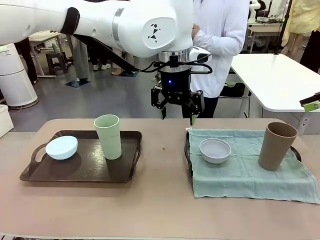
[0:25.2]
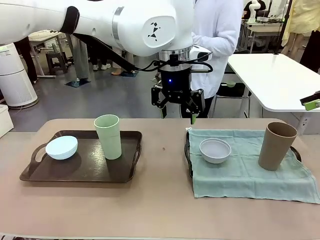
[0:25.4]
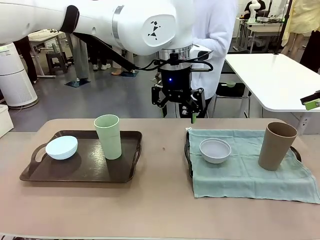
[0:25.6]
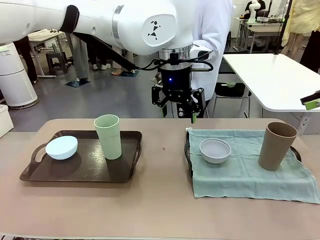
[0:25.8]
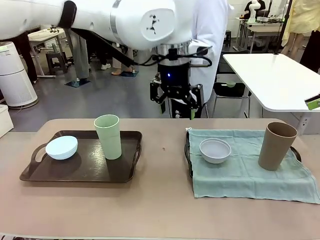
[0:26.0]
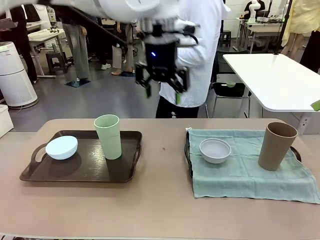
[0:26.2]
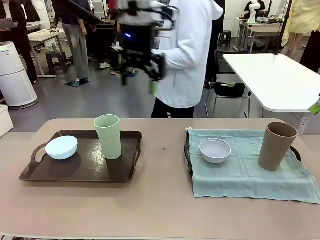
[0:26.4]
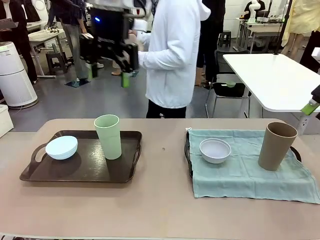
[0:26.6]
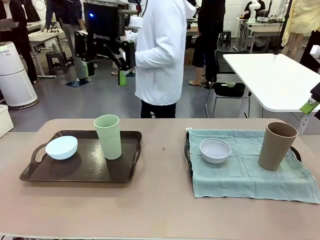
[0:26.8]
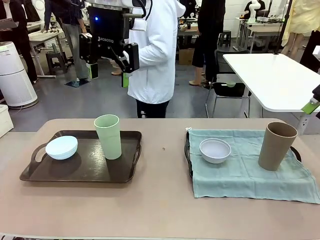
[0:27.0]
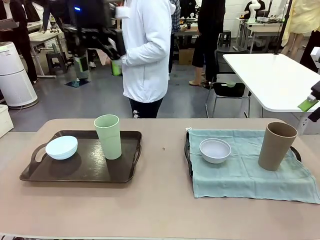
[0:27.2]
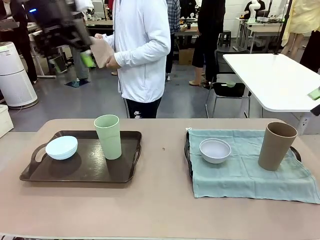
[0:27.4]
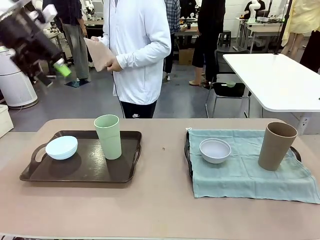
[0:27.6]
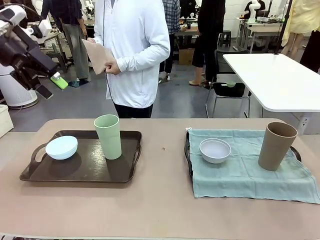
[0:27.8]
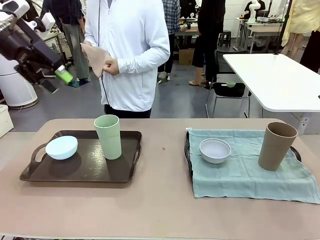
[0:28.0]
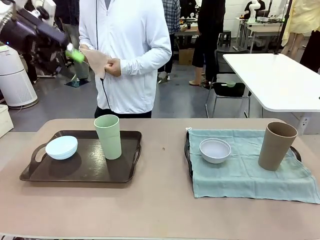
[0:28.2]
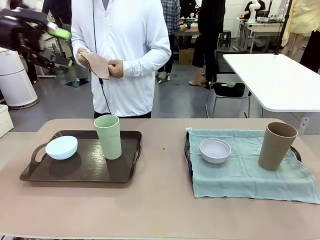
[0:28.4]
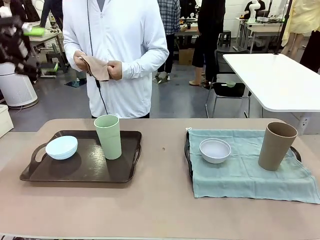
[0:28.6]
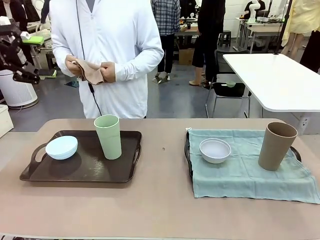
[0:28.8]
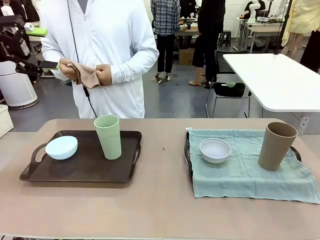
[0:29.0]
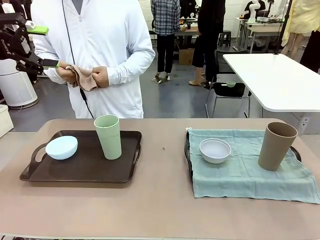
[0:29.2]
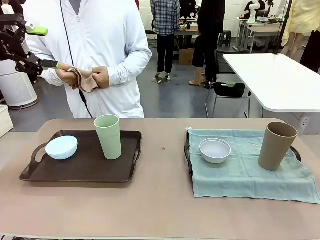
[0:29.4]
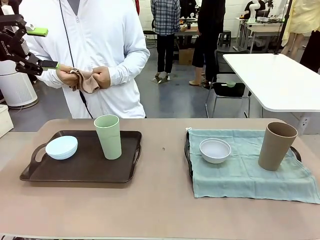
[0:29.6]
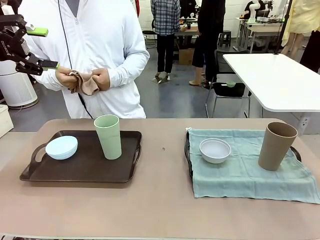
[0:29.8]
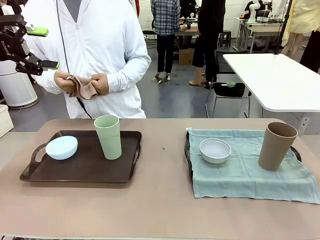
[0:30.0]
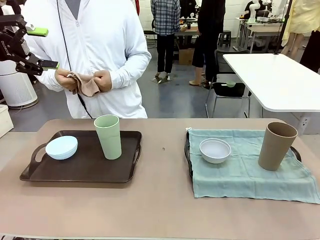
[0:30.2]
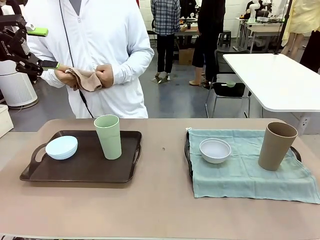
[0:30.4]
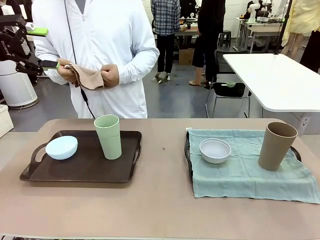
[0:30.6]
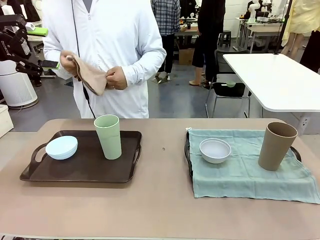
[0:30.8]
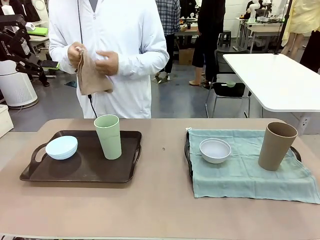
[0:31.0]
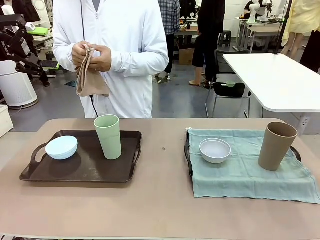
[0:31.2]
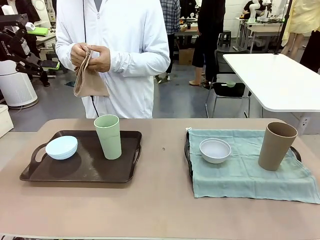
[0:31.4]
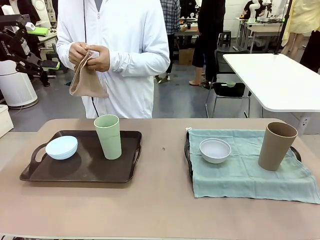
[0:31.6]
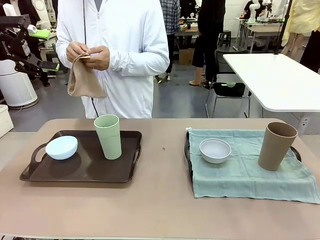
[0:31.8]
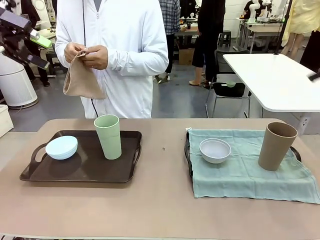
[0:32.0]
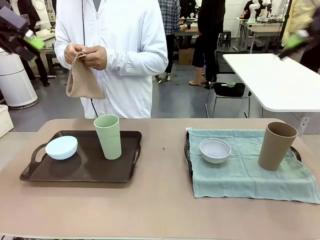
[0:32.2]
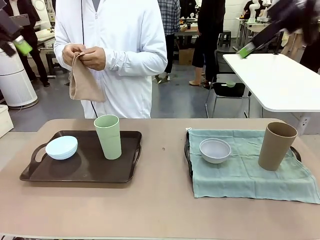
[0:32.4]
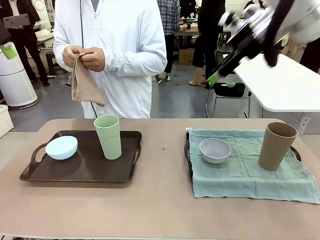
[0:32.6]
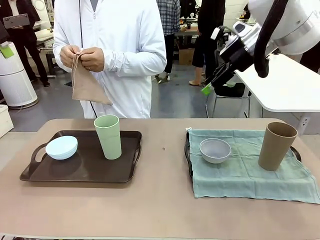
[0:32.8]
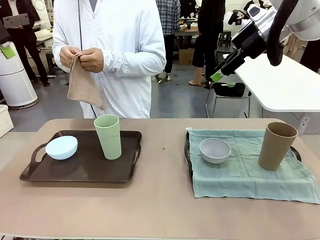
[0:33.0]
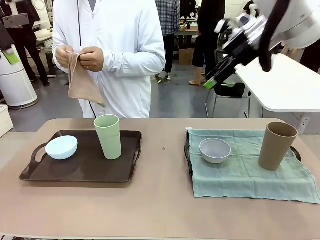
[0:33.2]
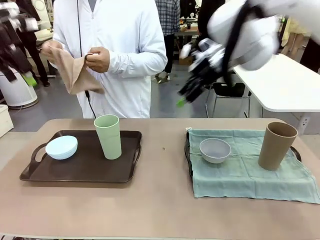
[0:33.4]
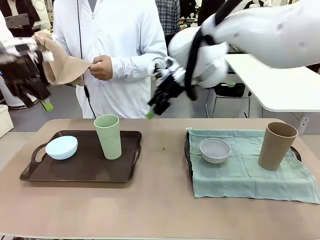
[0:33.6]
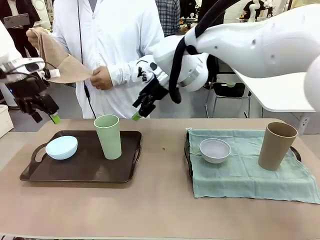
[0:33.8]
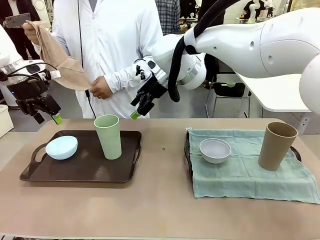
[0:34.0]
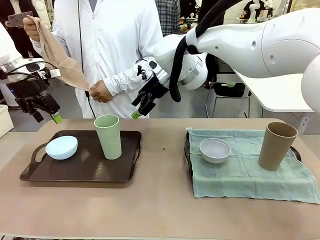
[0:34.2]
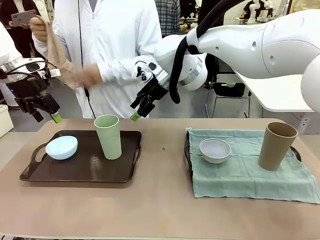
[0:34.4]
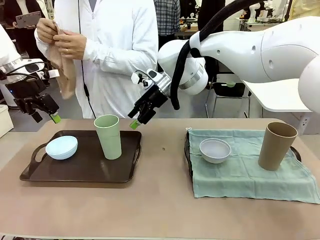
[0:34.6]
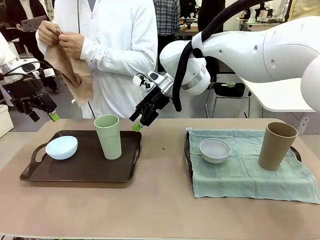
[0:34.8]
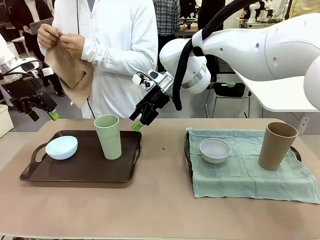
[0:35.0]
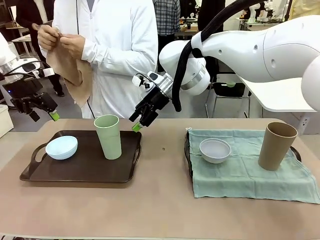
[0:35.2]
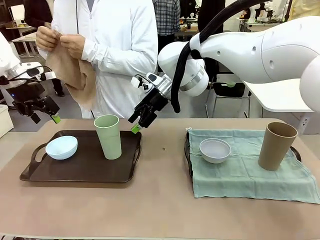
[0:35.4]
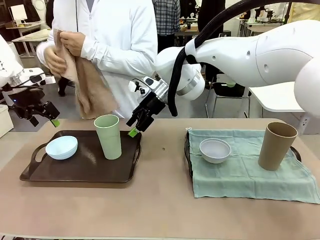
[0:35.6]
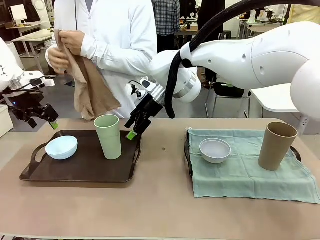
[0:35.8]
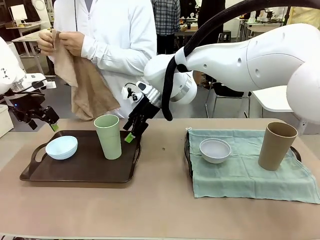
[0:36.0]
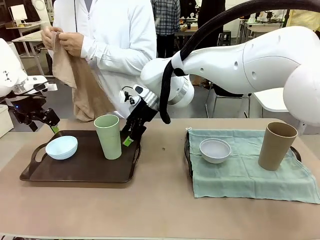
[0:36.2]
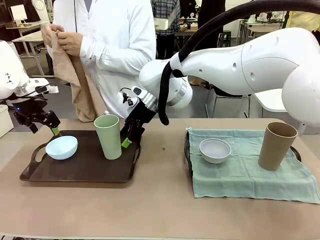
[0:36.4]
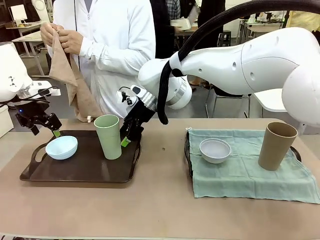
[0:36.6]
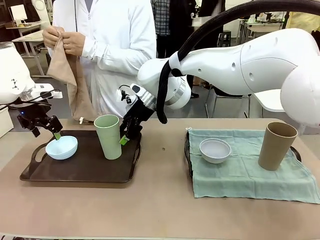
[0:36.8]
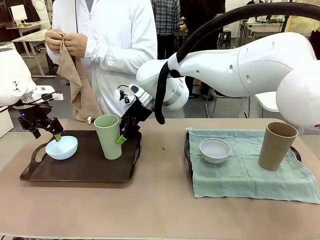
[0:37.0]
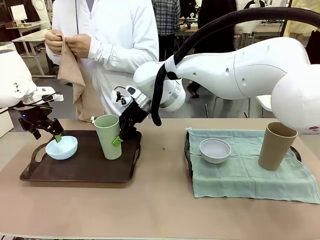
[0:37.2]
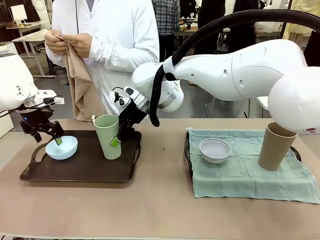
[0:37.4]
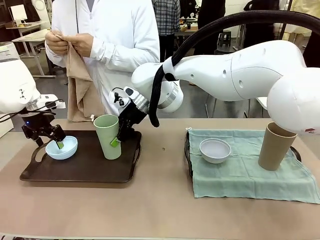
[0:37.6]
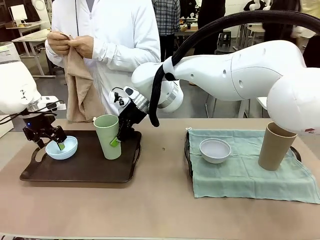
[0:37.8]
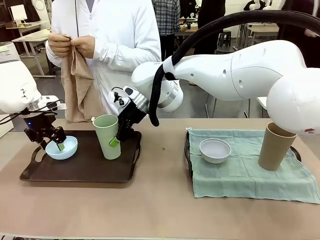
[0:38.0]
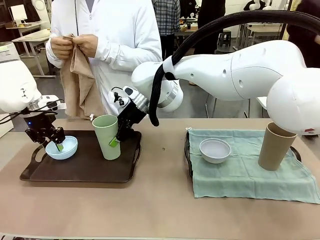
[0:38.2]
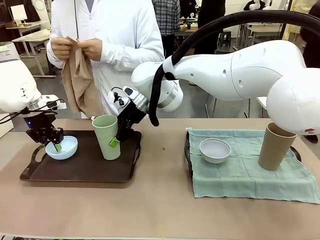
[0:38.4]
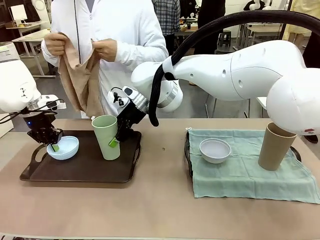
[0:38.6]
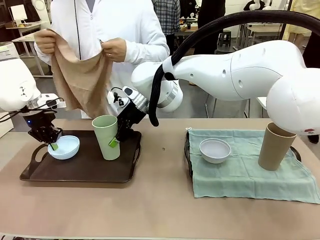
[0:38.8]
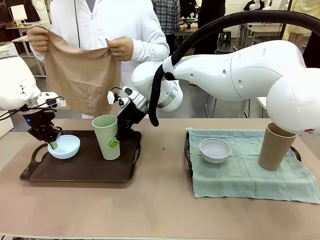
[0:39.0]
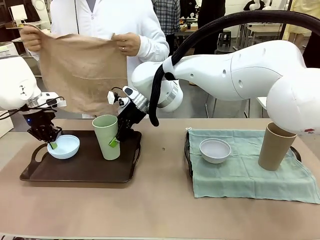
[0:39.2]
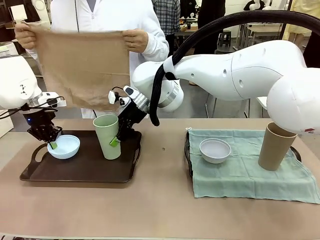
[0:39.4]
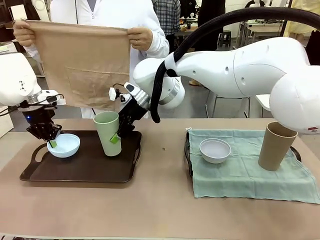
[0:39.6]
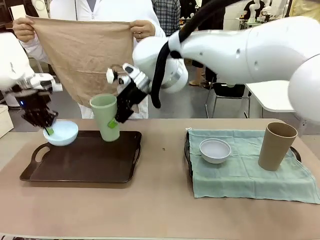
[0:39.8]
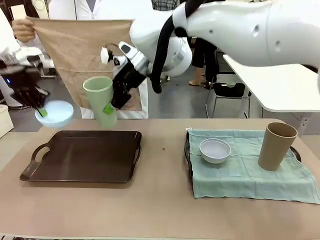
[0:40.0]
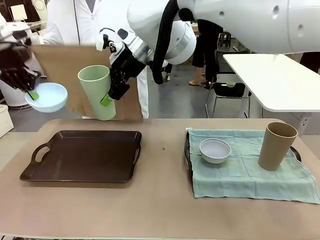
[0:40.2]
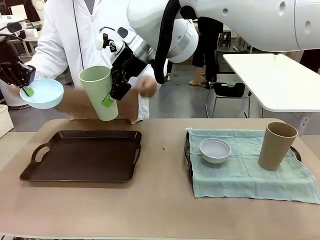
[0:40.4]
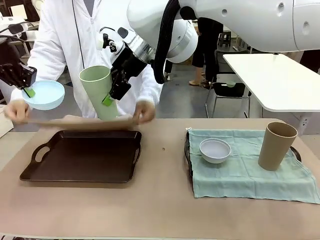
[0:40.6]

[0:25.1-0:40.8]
Robot: Pick up the Picnic Bowl and Reusable plastic cup from the Handle tray in front of the human's position and hold them in the air.
Person: When the robot lifts the bowl and the cup, the human unfolds the napkin and lays the napkin flat on the tray.

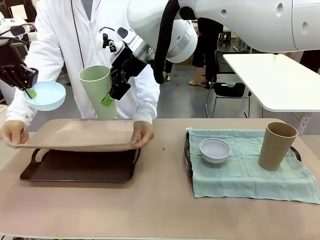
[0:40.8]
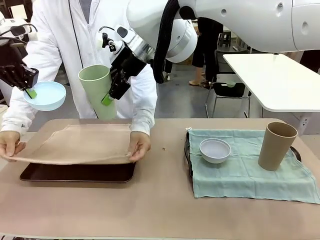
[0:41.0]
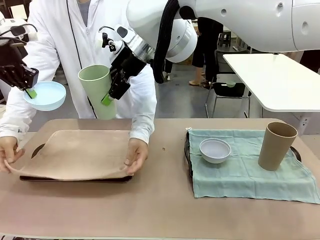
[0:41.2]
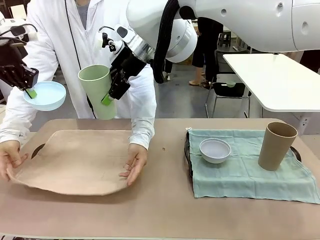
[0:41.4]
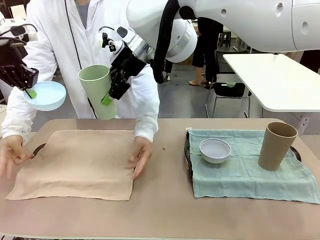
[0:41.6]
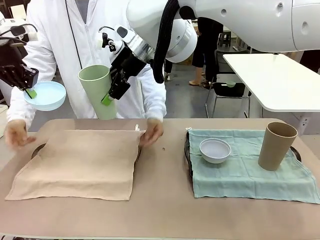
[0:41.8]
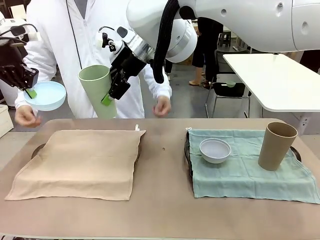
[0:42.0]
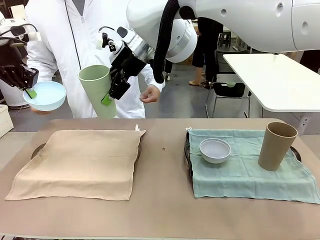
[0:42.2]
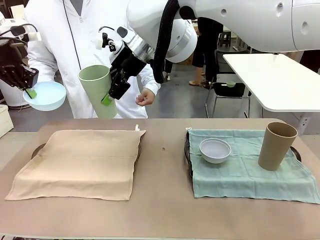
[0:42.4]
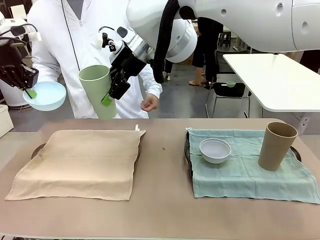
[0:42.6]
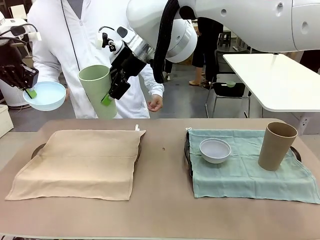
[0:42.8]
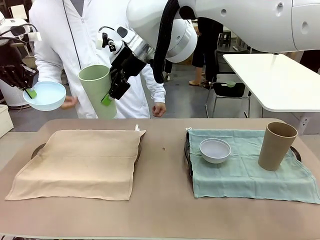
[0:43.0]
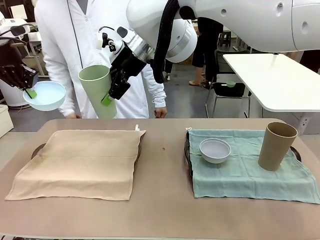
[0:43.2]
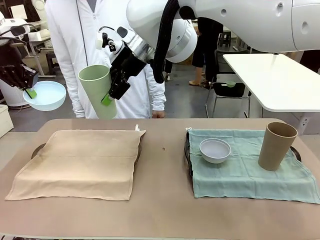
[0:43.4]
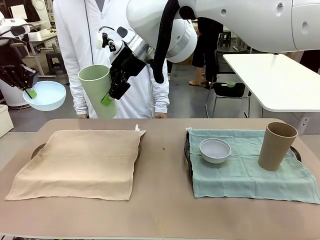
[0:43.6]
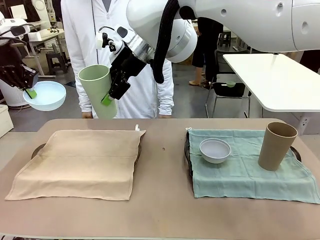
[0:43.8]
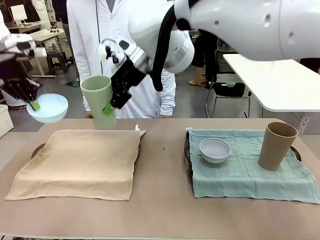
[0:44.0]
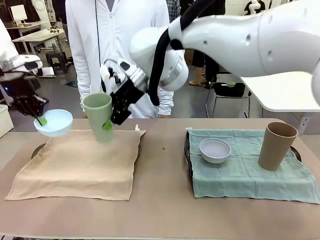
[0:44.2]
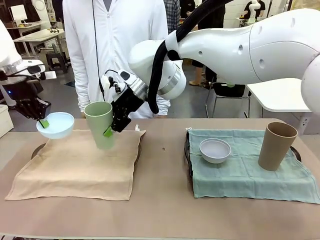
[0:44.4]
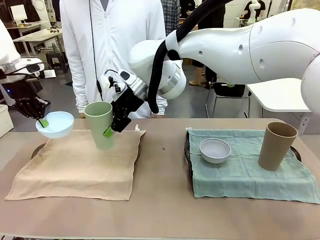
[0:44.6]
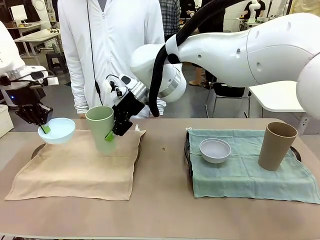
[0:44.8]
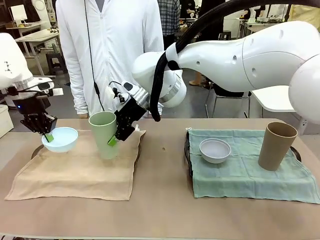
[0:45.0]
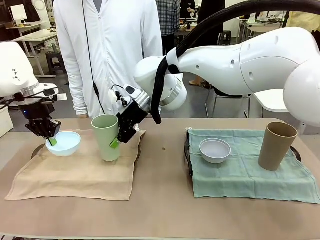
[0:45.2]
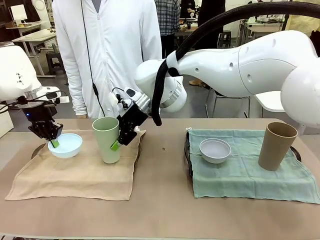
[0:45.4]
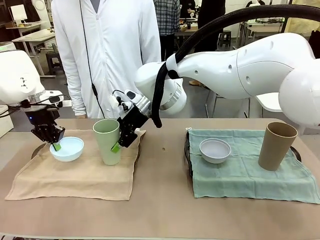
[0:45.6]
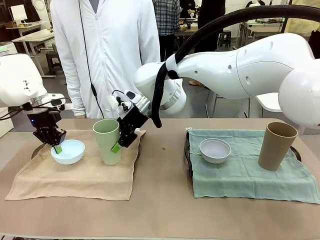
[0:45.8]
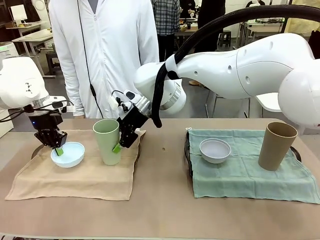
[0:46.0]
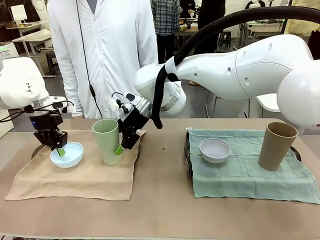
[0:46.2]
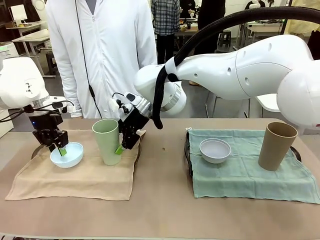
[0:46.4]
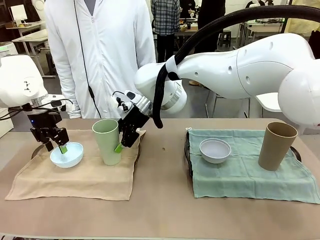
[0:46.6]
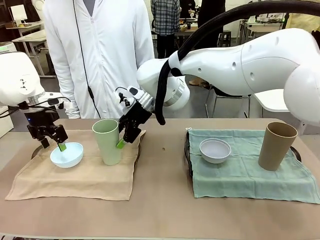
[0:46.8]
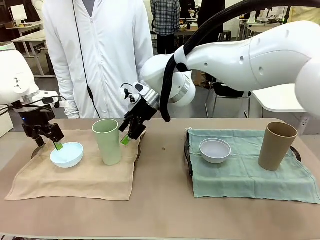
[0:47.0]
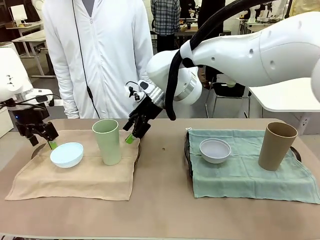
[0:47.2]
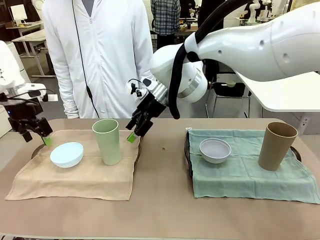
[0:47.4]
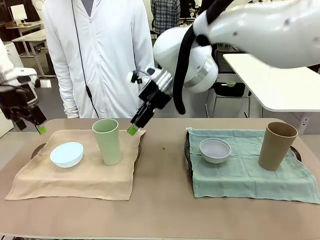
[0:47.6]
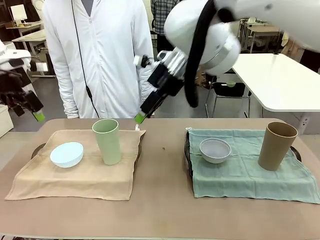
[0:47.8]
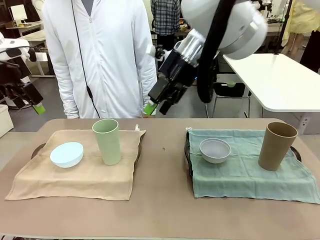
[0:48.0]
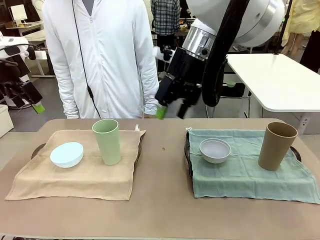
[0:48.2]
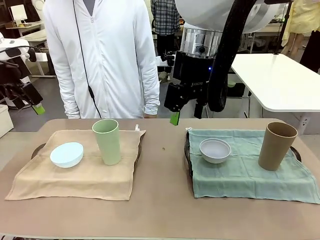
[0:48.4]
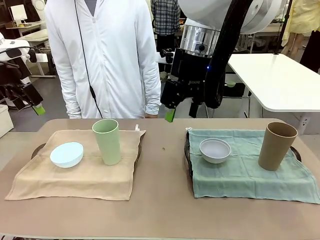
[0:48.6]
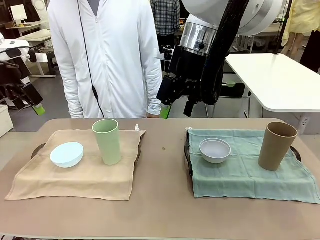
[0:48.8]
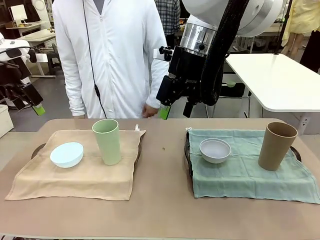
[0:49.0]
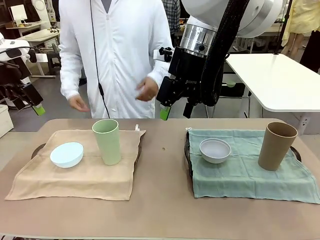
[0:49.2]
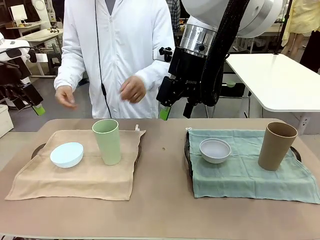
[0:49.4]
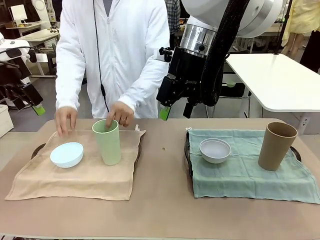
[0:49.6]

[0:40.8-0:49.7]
Robot: Place the Picnic Bowl and Reusable plastic cup back onto the Handle tray in front of the human's position.
